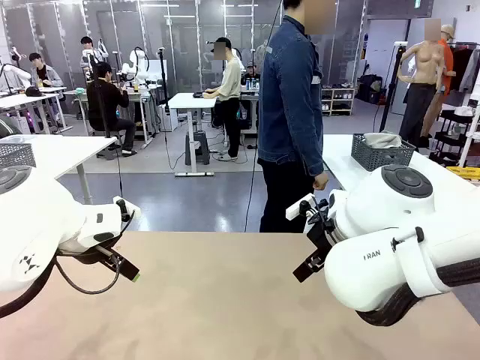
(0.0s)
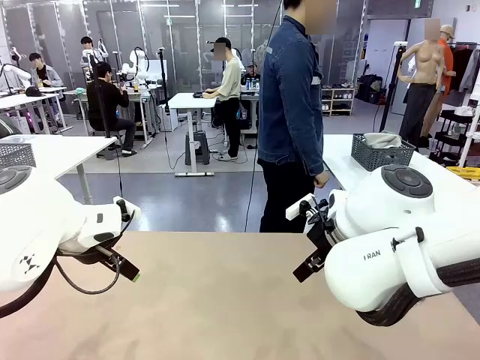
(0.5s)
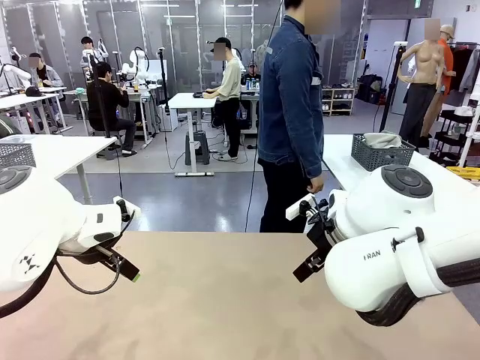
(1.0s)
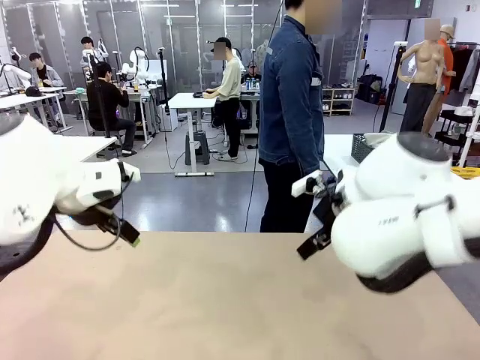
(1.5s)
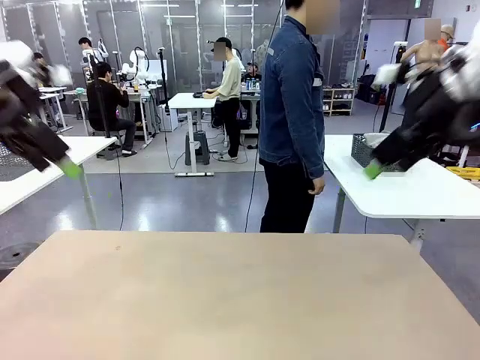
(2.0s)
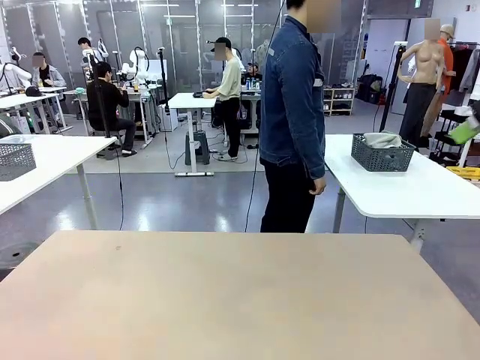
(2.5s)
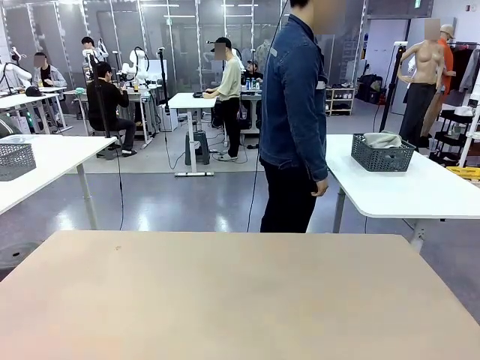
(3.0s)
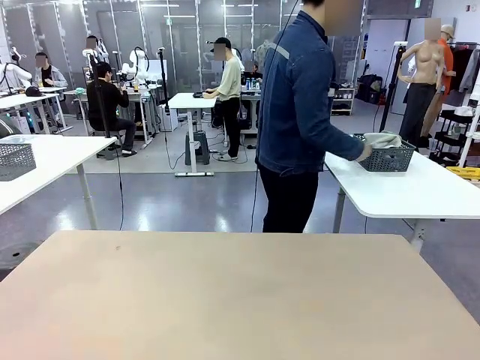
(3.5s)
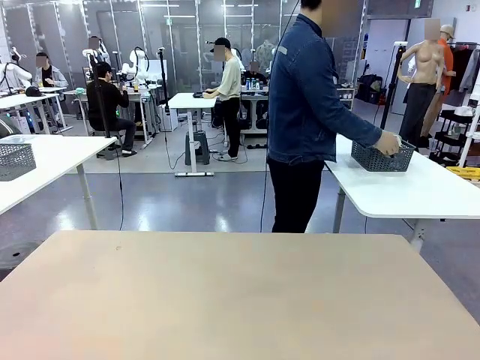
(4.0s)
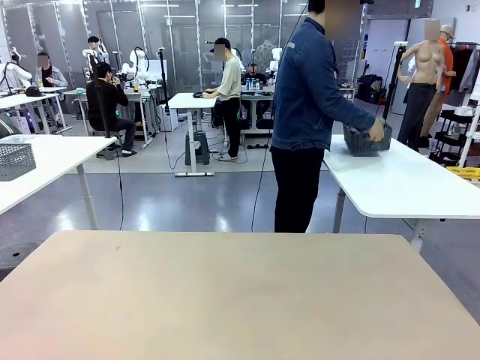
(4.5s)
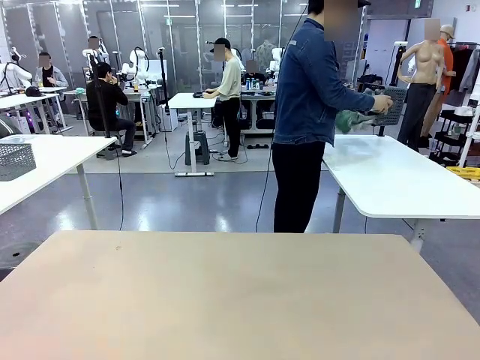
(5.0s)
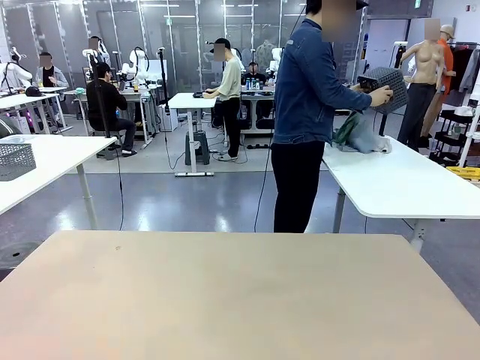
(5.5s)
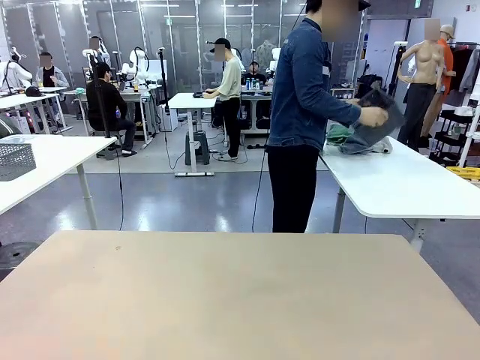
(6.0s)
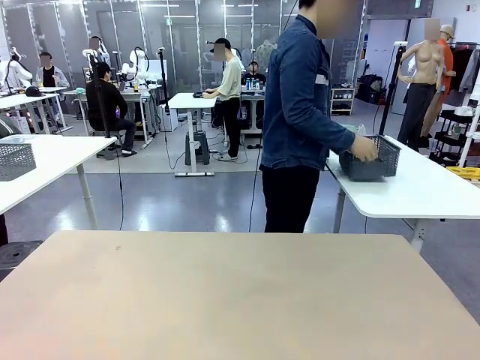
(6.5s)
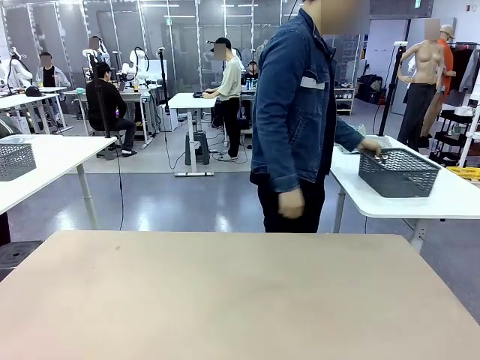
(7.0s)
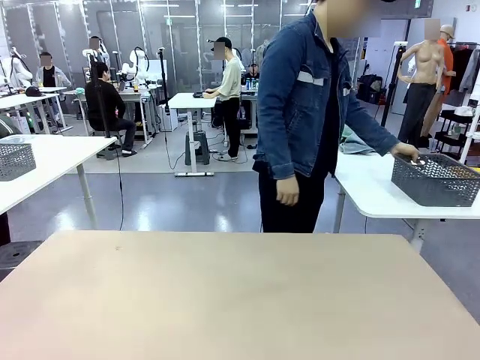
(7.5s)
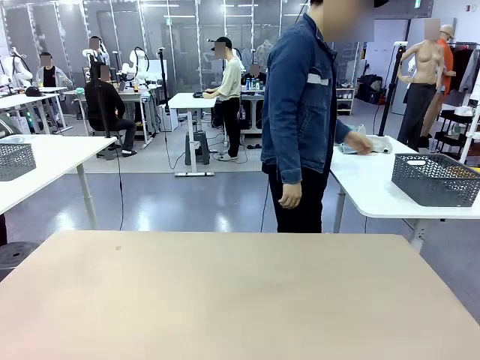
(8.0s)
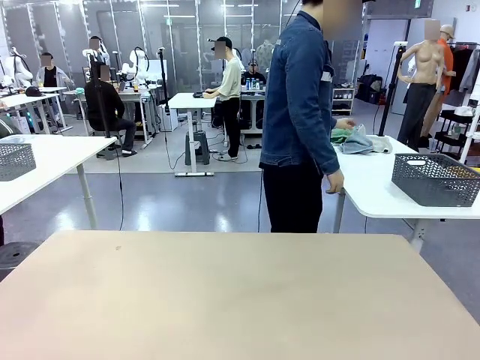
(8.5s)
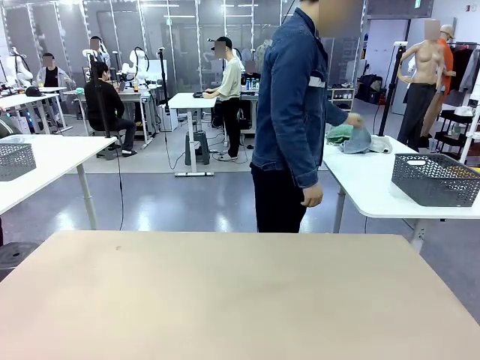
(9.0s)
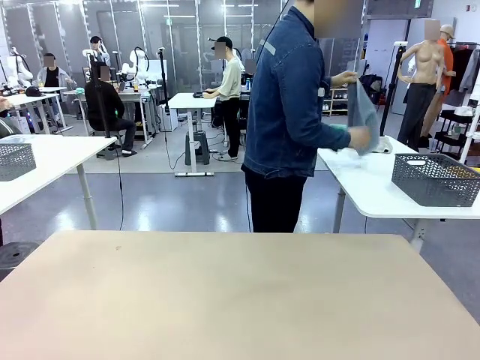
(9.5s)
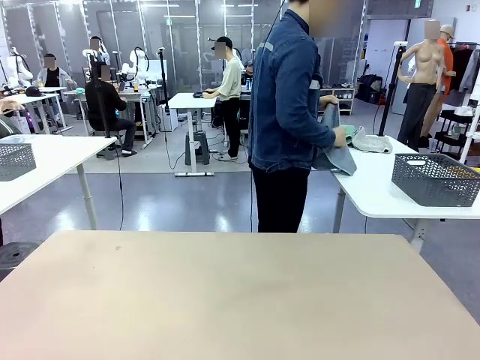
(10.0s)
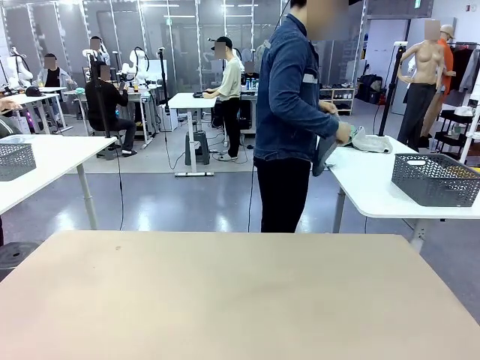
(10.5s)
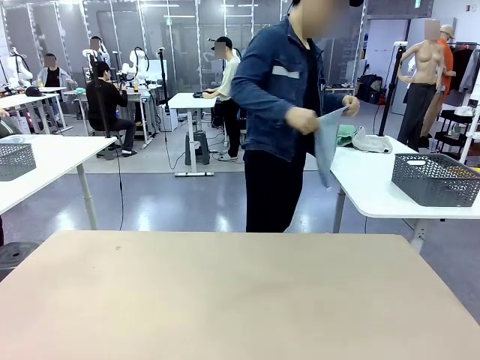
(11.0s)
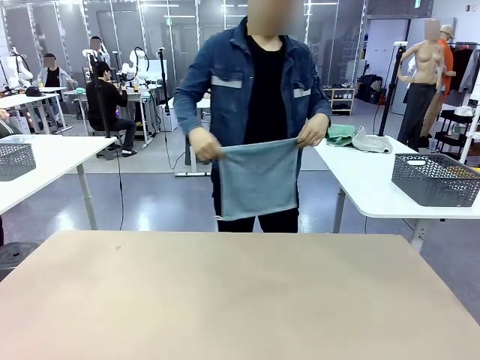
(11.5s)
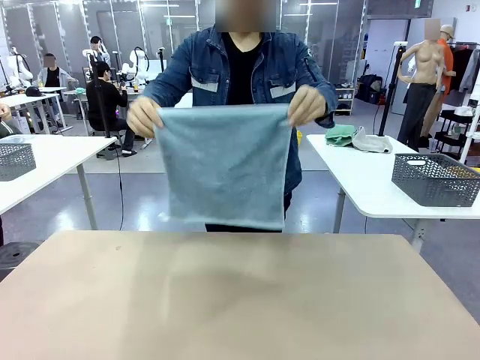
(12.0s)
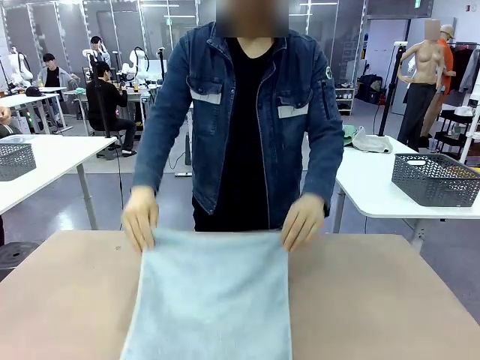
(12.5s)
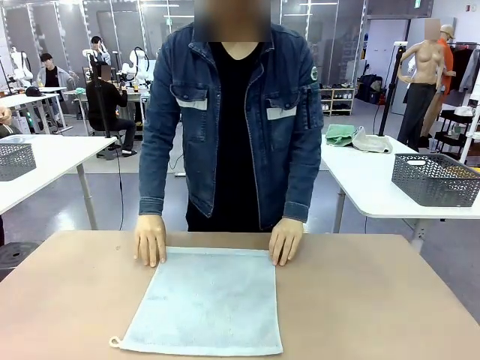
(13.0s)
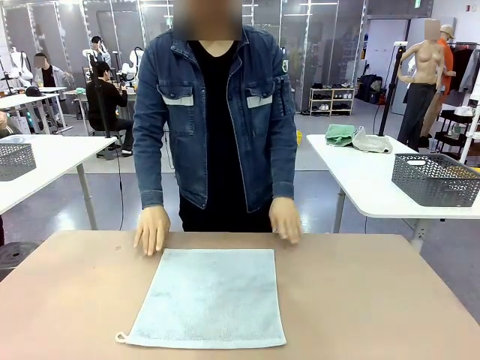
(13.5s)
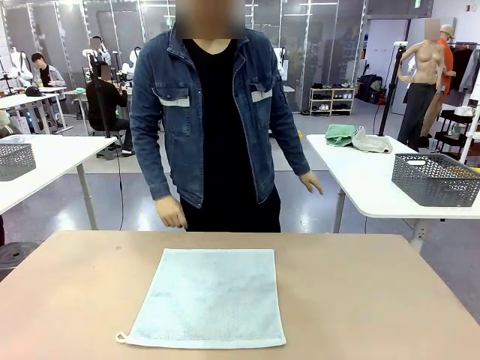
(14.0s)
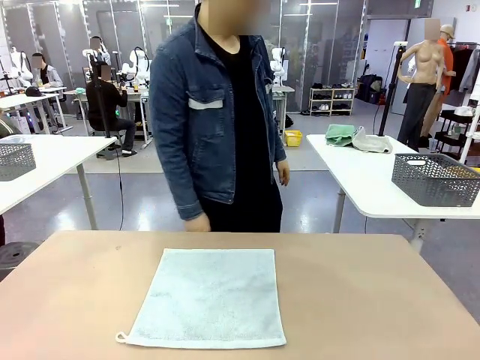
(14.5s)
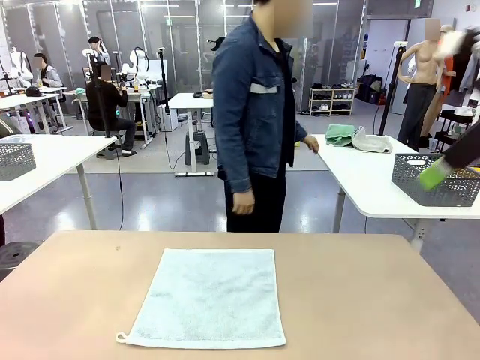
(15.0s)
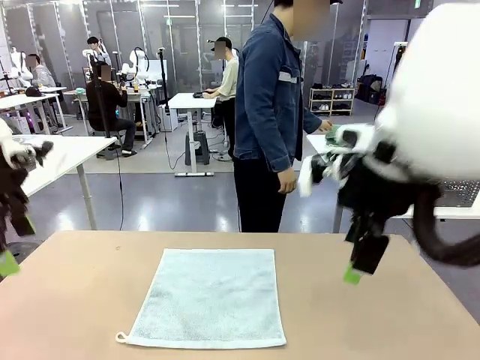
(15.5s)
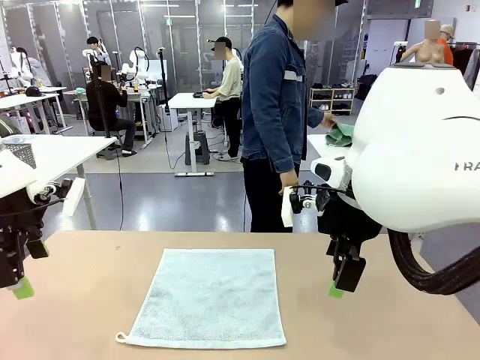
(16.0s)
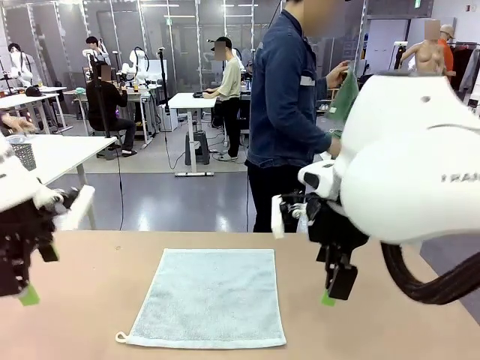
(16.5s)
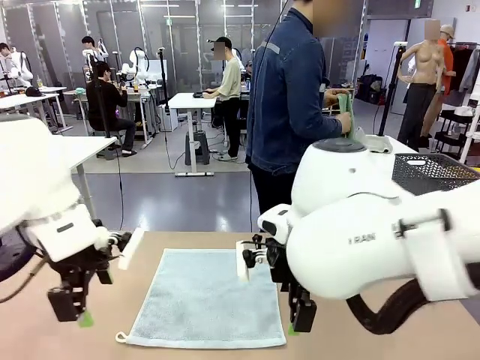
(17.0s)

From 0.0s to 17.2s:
Task: Fold the towels and place them in the basket.
Robot: When a person lays out a Towel with hook on the table, fold it in half twice.
Person: Pick up the basket, pour the towels onto the left side of the human table, and place the basket on the right side. Pick up one towel and spread it out at the center of the robot table.
